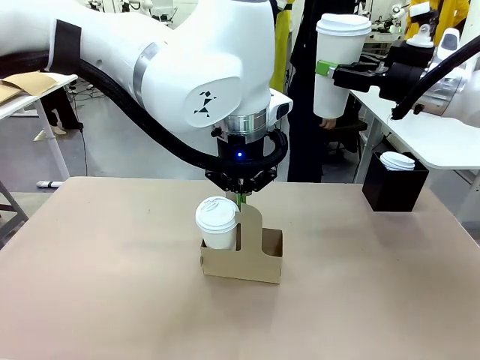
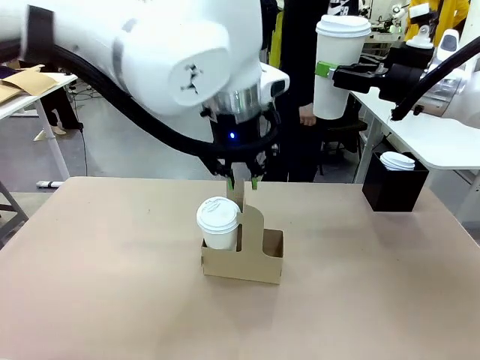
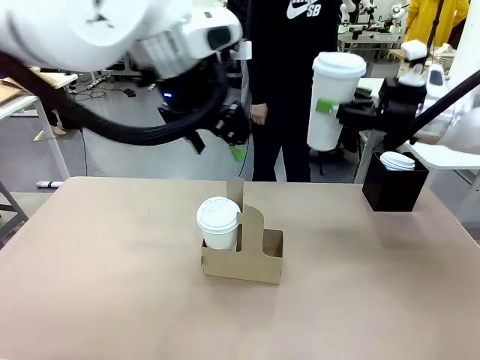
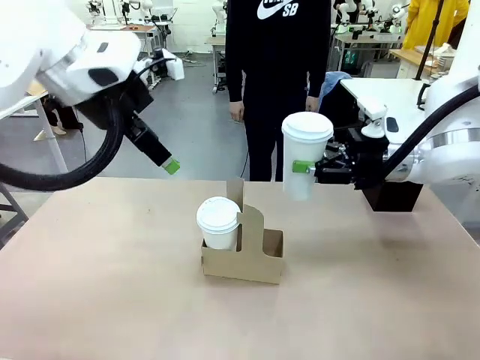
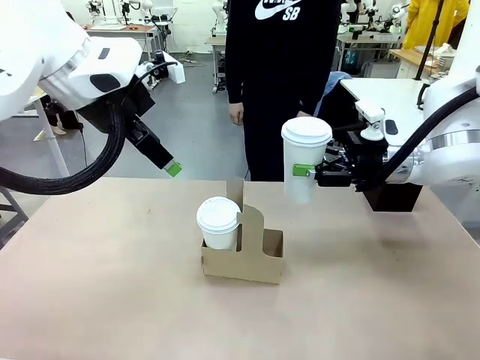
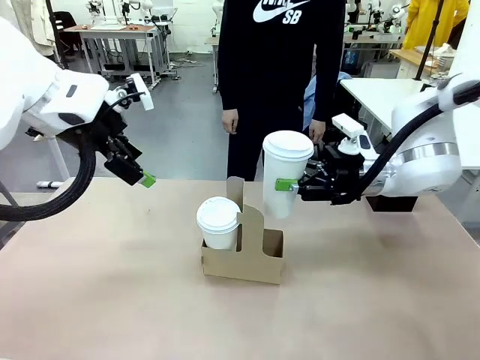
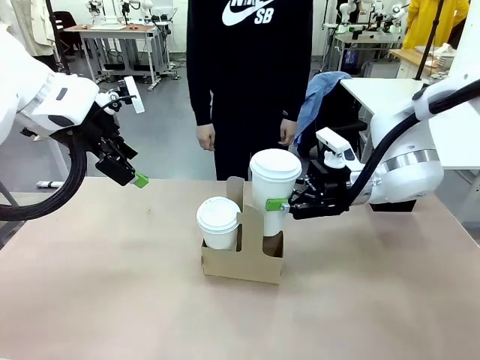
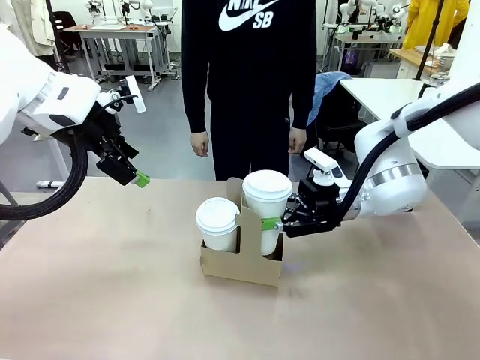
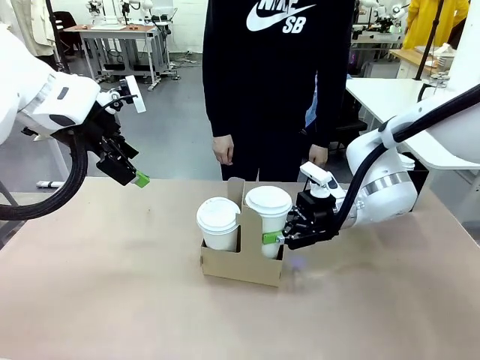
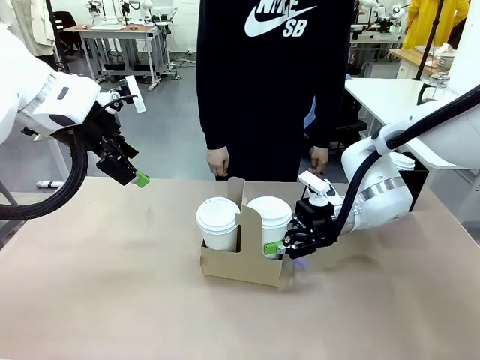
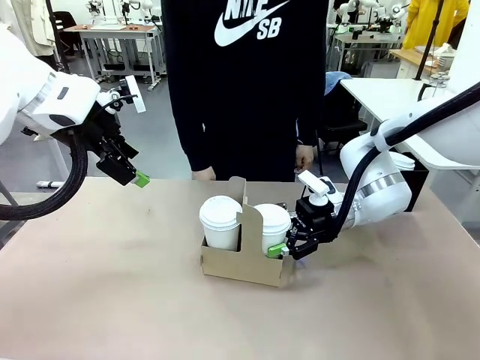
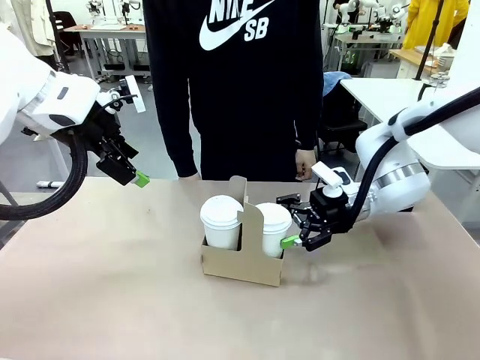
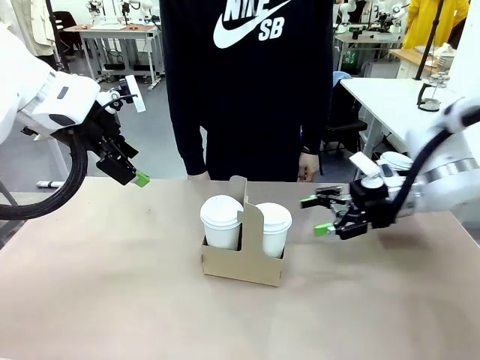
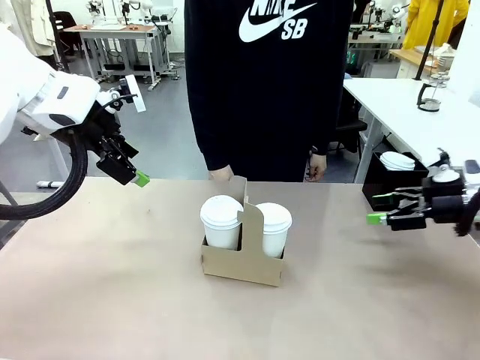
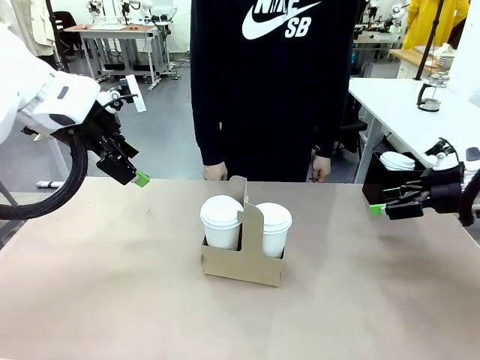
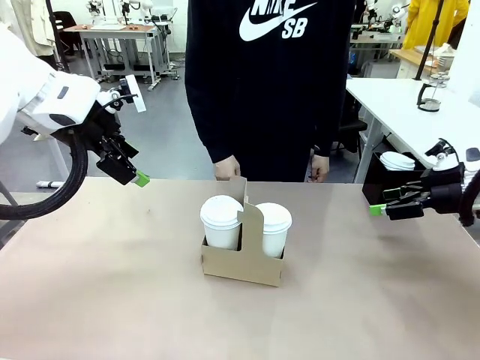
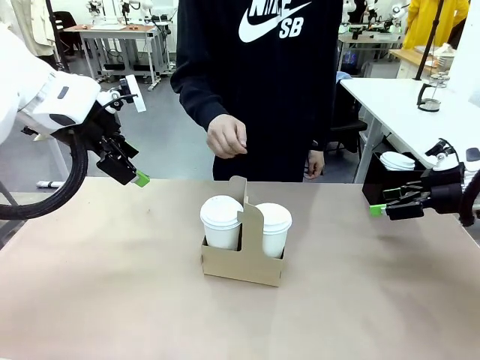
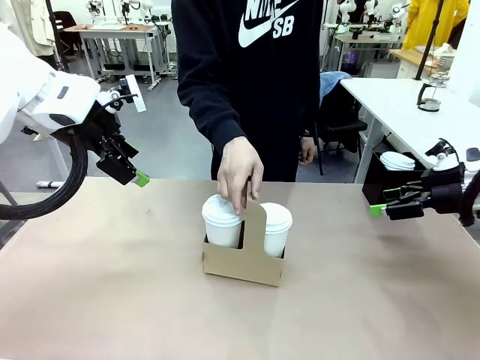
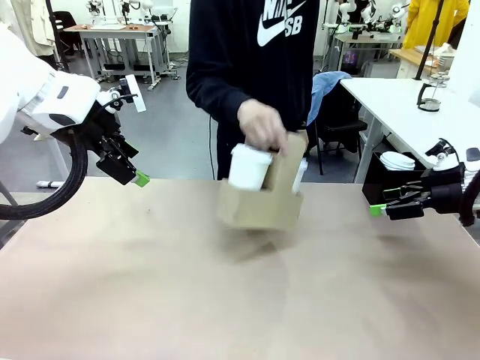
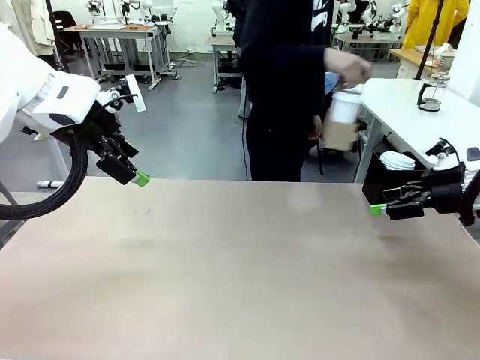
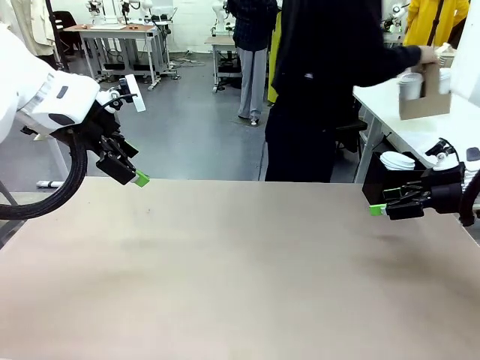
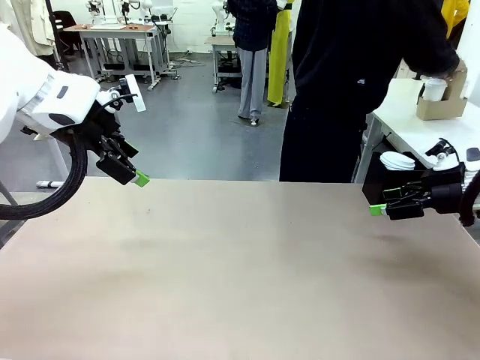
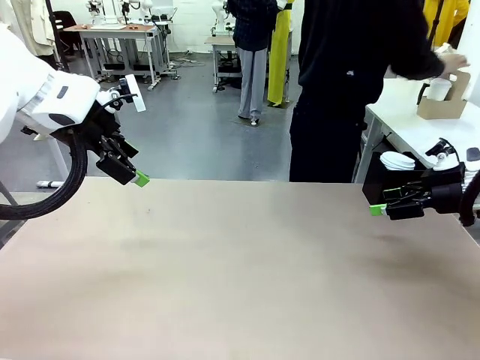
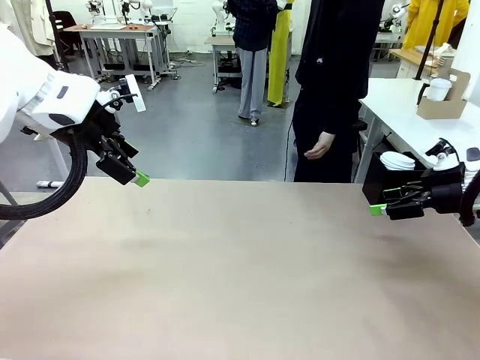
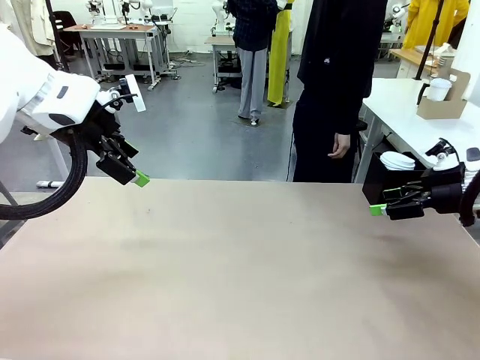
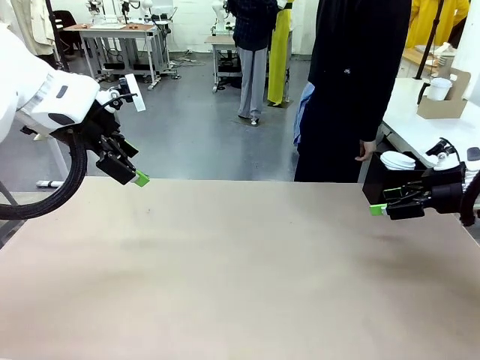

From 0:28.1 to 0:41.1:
Task: Pour a drink into a cup and package it in a carrier.
Robot: Insert the held 600 ml Paper Cup into the Cup Carrier.
Person: Place the Cup Carrier to the middle of Human table.

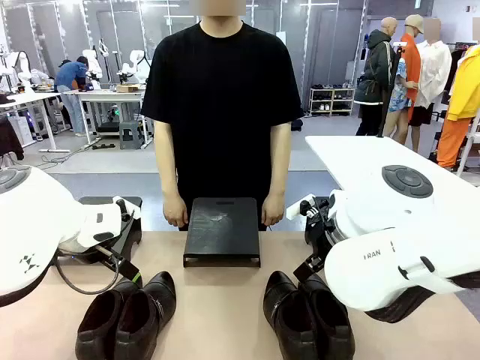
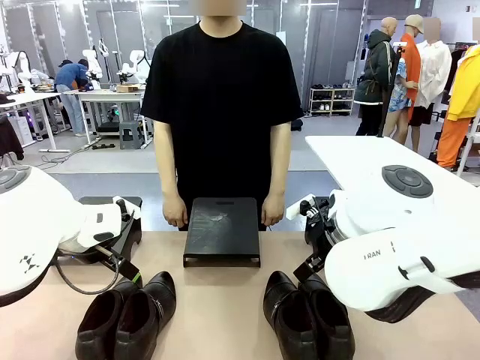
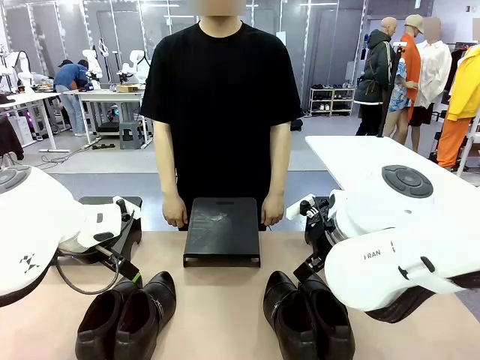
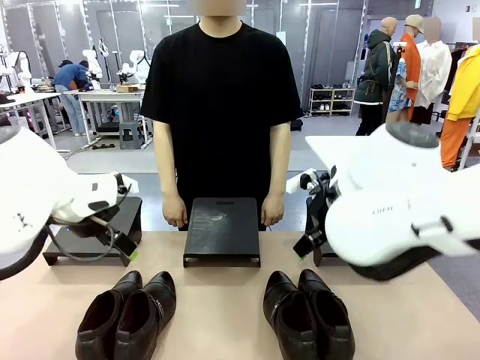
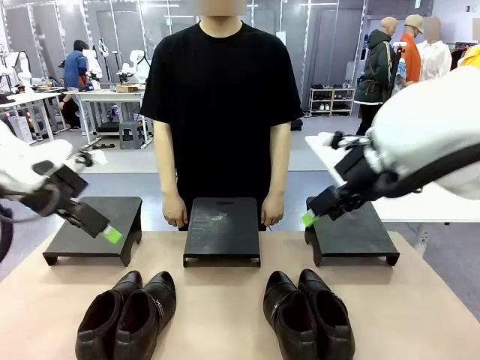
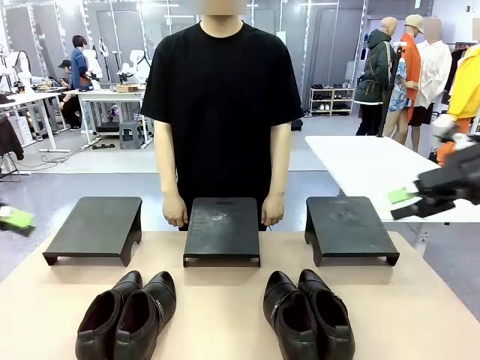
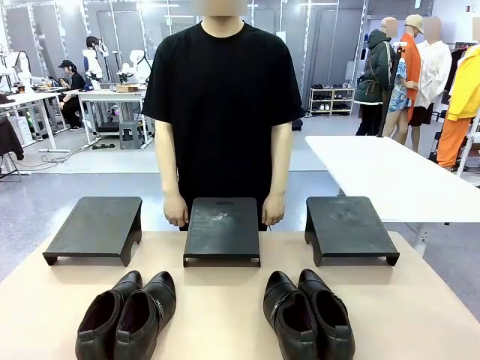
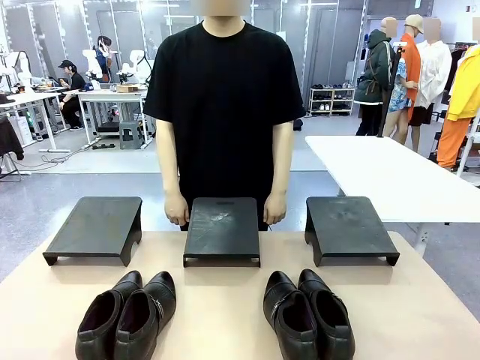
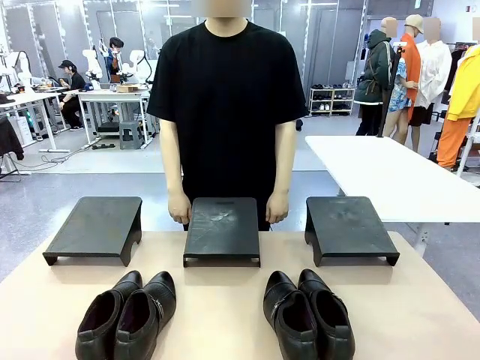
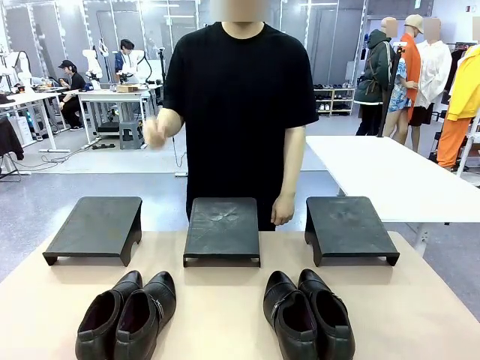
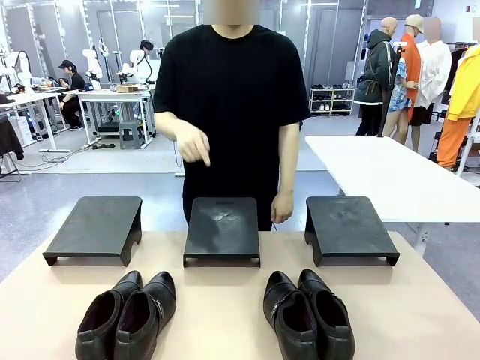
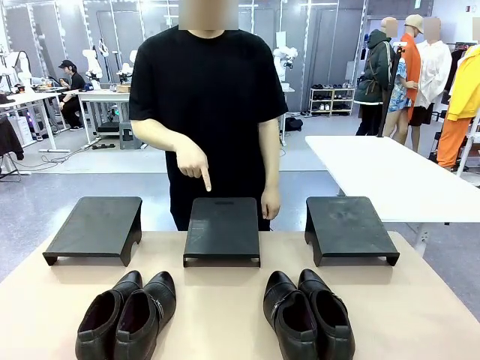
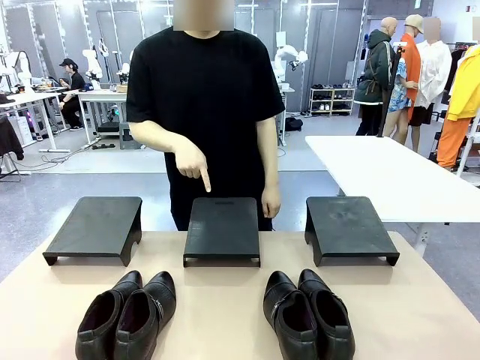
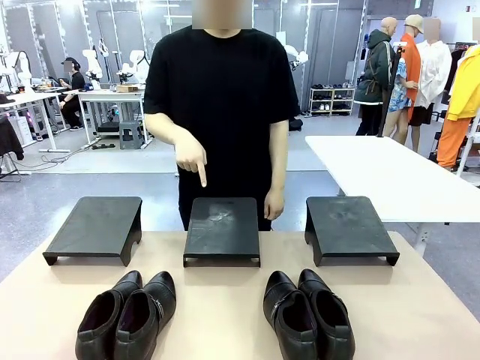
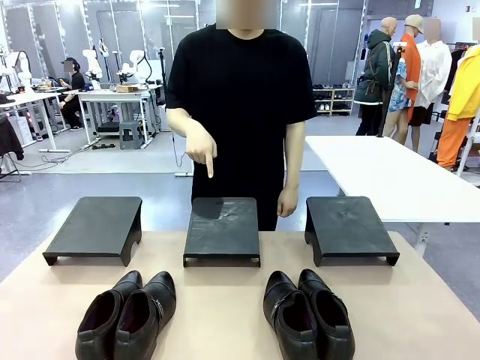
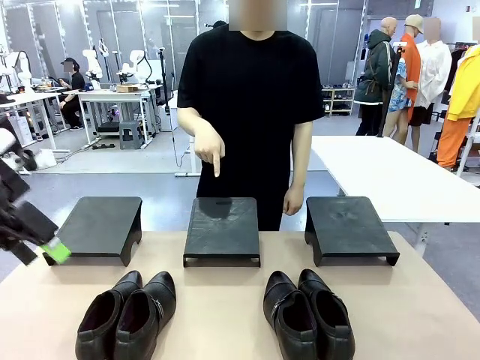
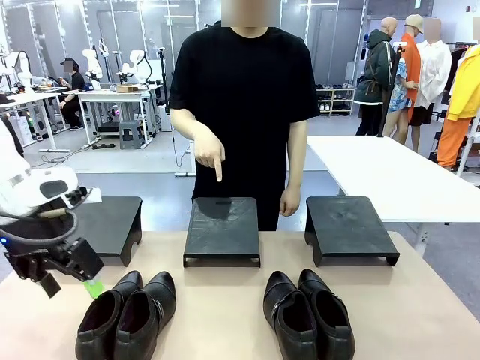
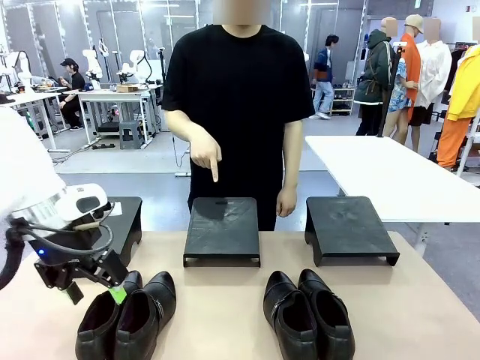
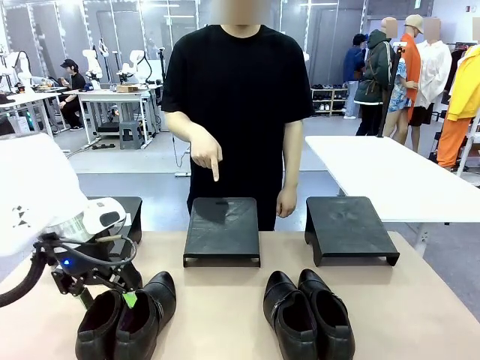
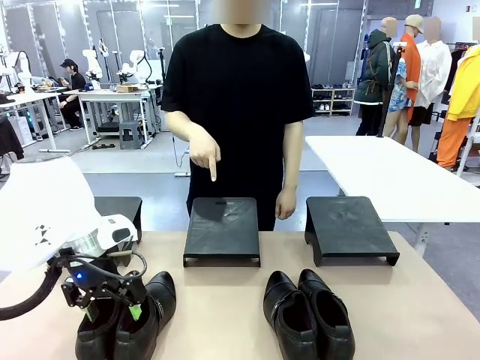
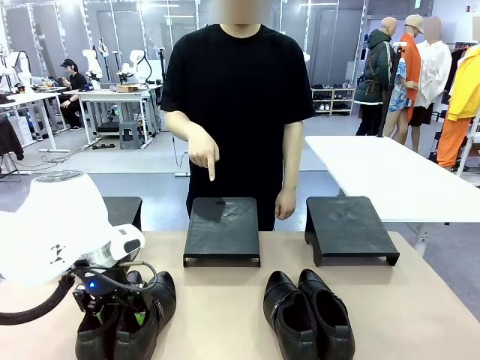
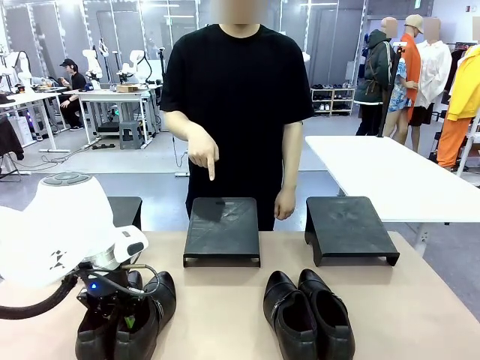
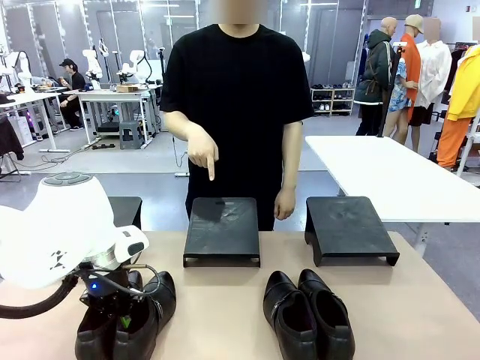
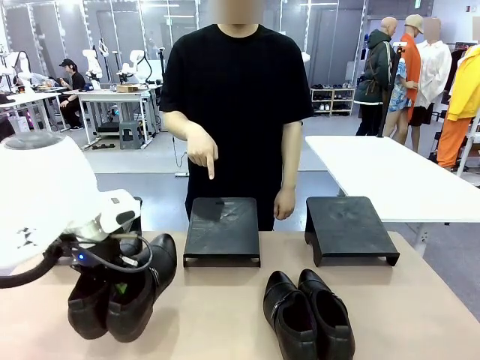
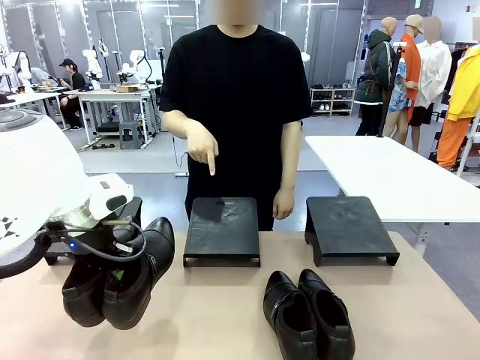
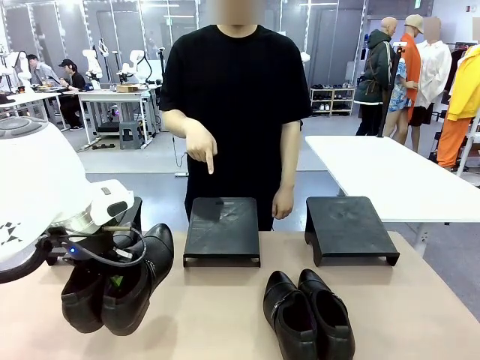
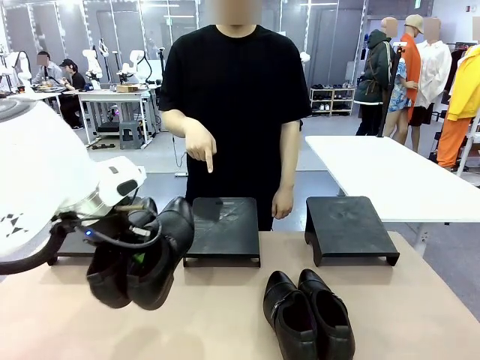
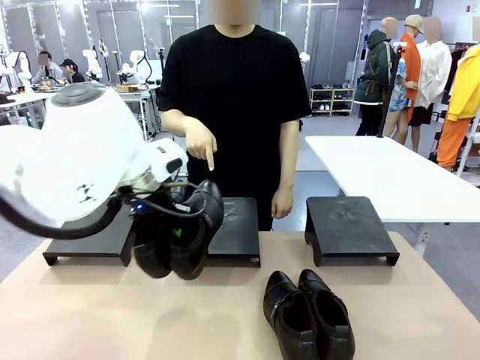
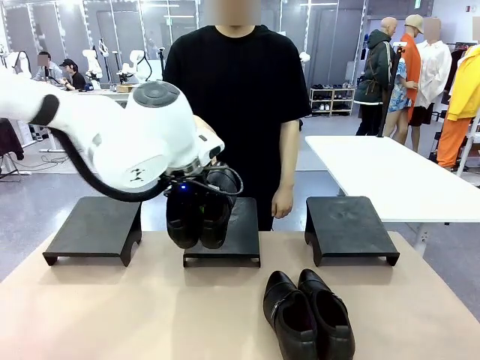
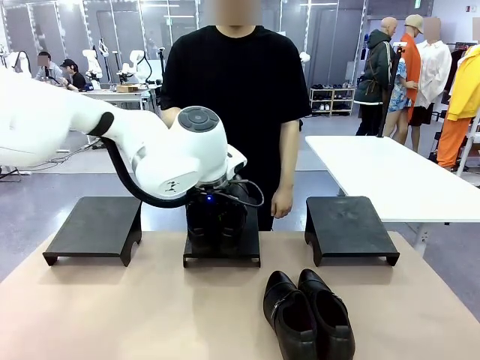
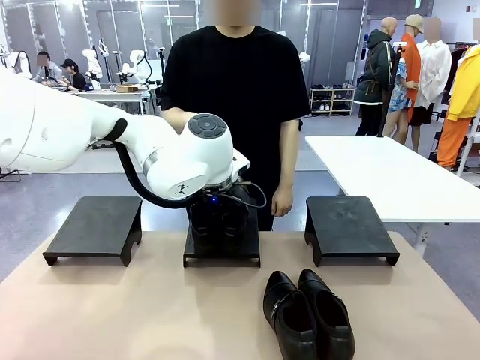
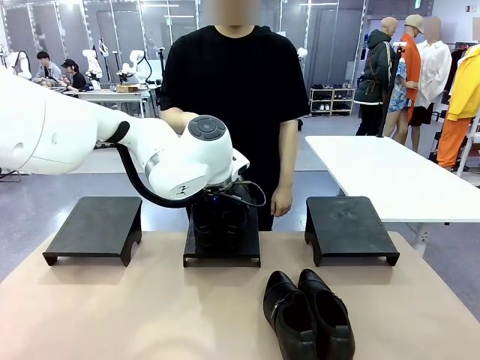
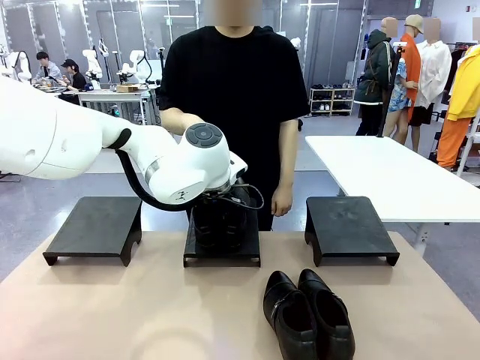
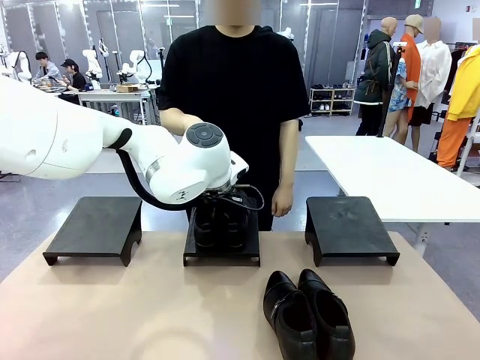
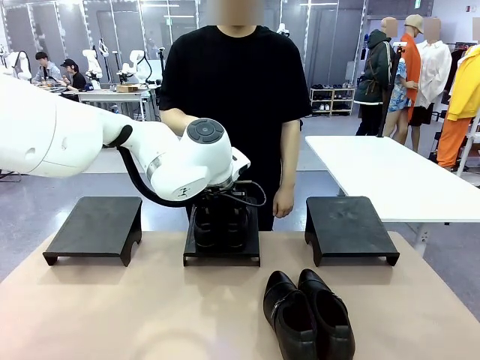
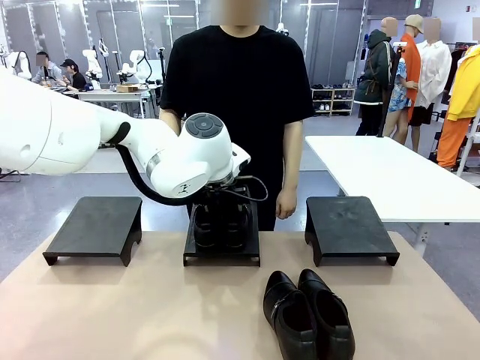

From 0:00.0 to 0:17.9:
Task: Place the shoes on the stand as instructed by the person.
Robot: Pick up one pair of Shoes and place it on the Shoes Stand indicated by the person.
